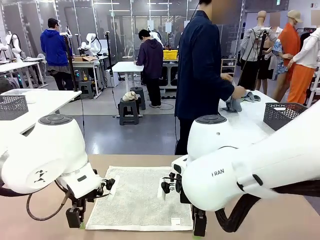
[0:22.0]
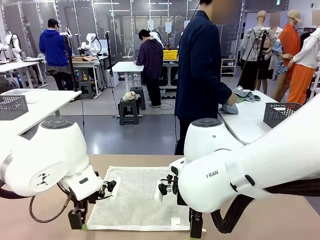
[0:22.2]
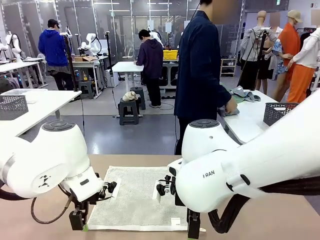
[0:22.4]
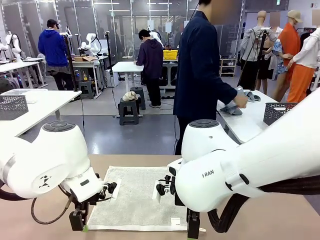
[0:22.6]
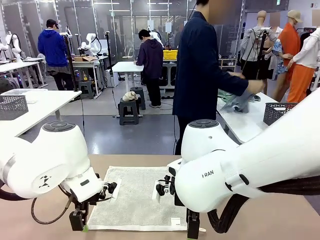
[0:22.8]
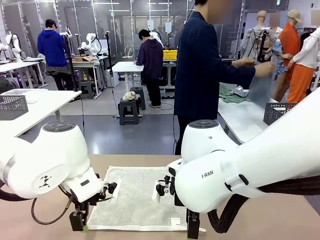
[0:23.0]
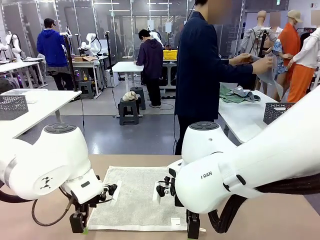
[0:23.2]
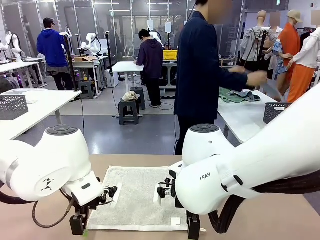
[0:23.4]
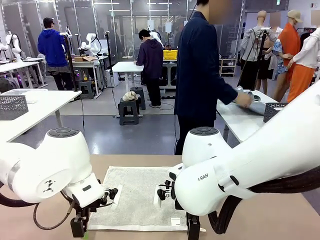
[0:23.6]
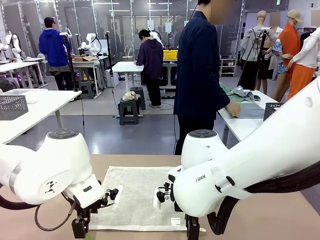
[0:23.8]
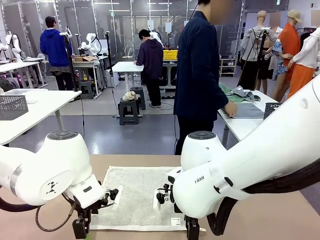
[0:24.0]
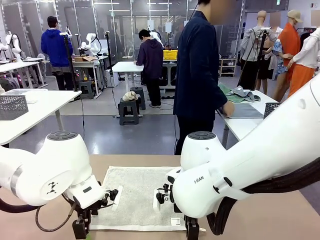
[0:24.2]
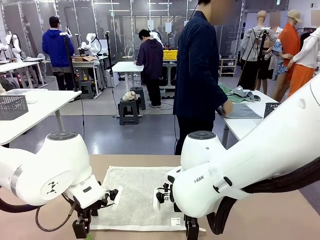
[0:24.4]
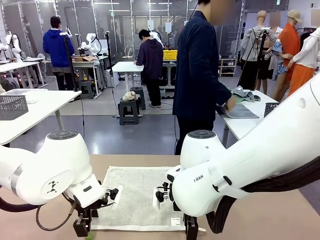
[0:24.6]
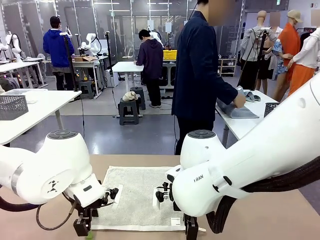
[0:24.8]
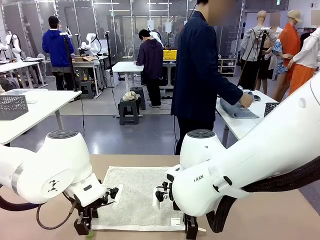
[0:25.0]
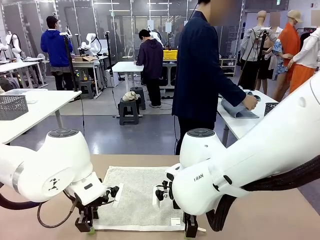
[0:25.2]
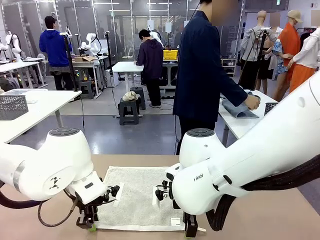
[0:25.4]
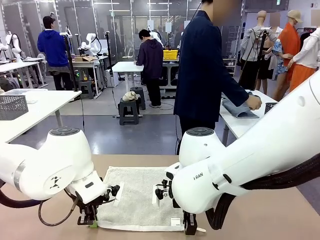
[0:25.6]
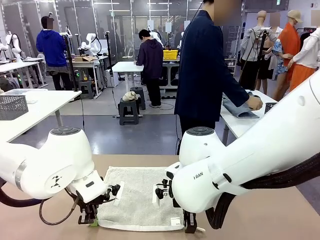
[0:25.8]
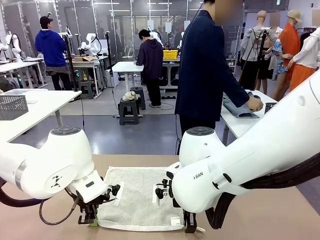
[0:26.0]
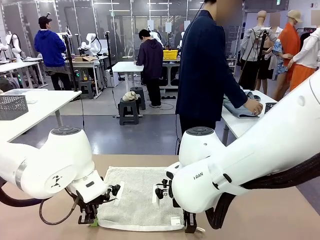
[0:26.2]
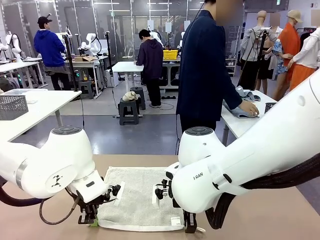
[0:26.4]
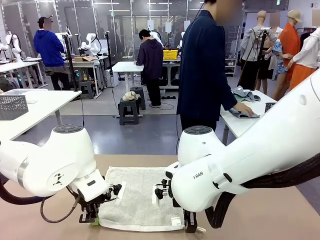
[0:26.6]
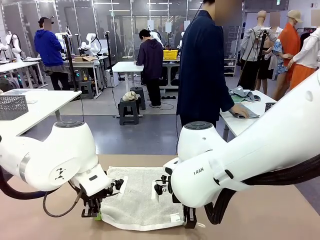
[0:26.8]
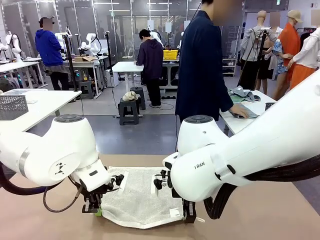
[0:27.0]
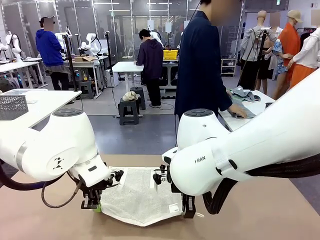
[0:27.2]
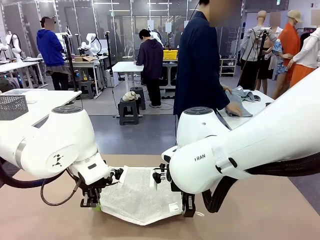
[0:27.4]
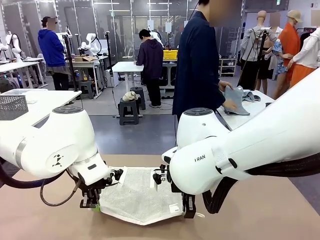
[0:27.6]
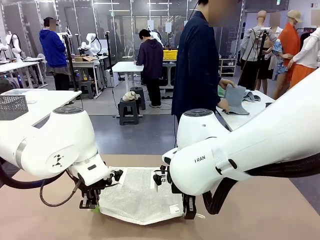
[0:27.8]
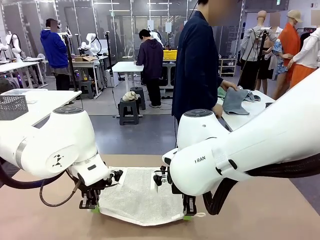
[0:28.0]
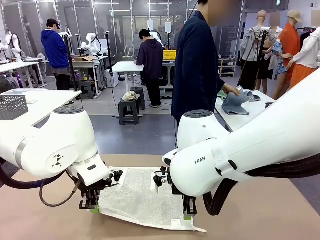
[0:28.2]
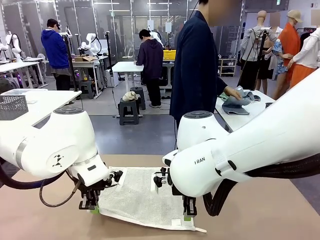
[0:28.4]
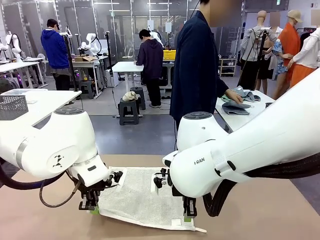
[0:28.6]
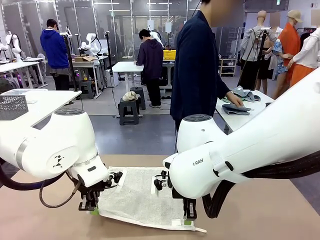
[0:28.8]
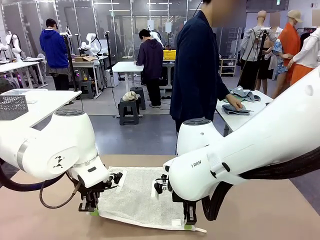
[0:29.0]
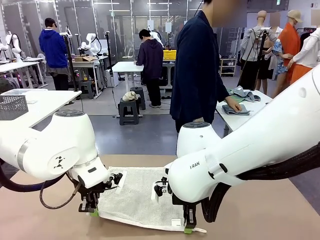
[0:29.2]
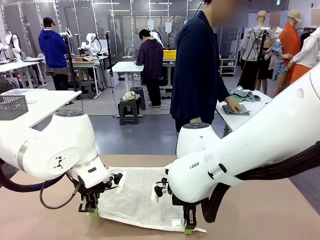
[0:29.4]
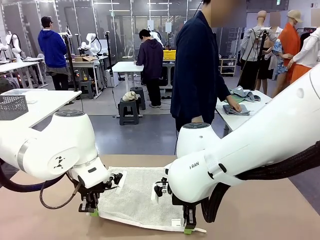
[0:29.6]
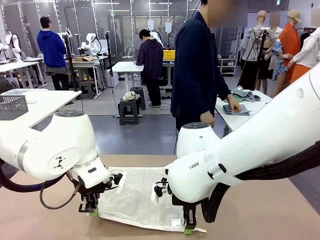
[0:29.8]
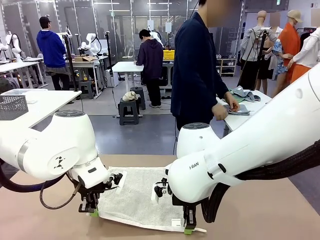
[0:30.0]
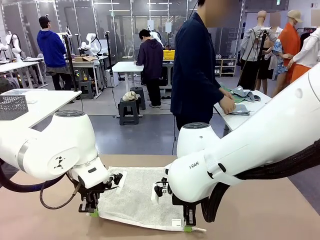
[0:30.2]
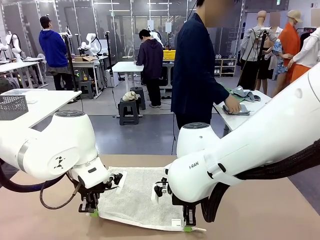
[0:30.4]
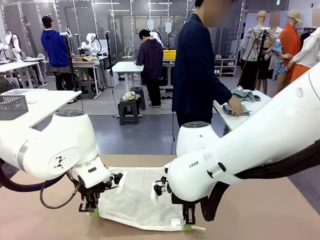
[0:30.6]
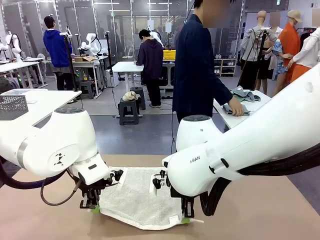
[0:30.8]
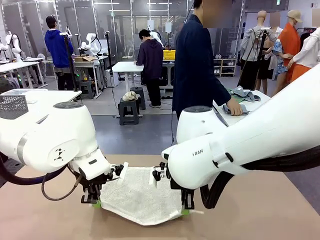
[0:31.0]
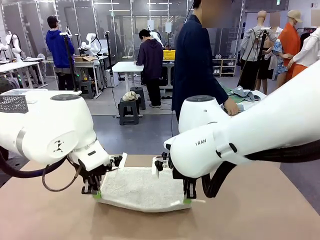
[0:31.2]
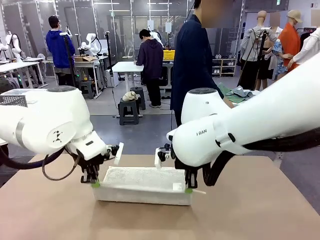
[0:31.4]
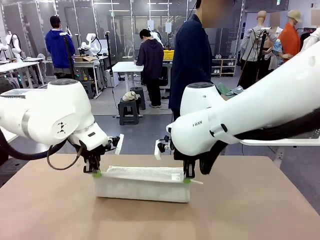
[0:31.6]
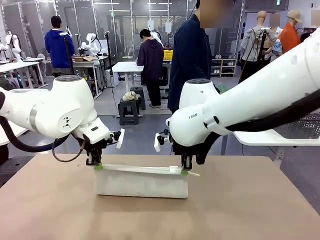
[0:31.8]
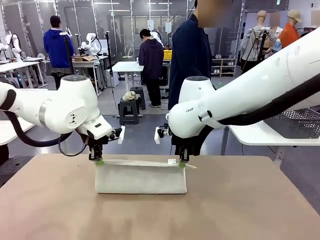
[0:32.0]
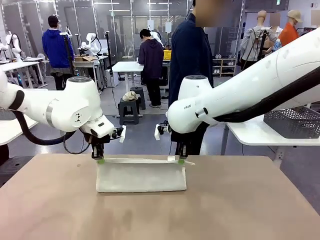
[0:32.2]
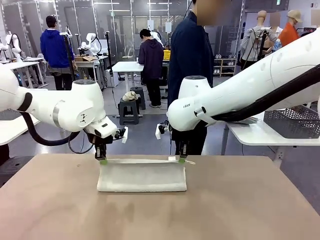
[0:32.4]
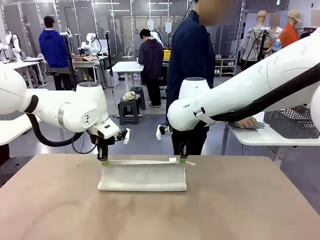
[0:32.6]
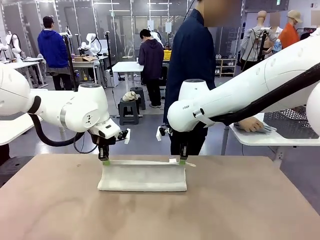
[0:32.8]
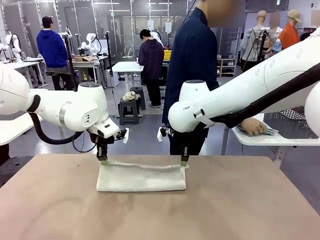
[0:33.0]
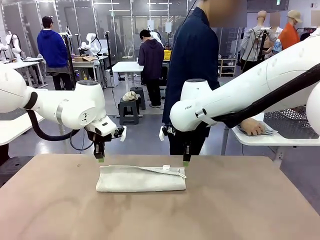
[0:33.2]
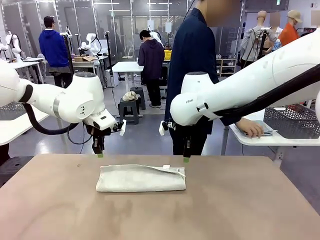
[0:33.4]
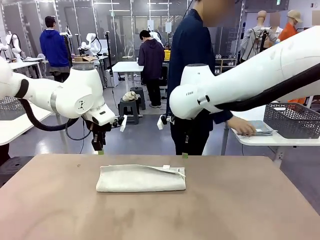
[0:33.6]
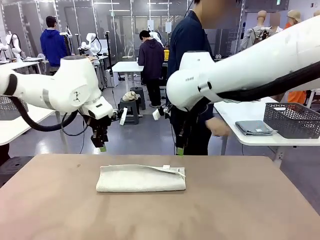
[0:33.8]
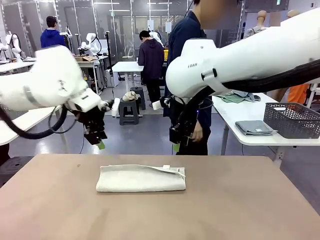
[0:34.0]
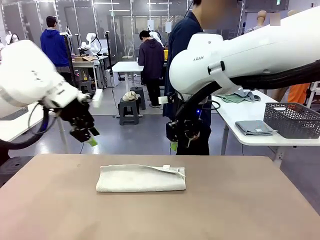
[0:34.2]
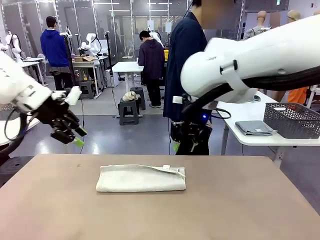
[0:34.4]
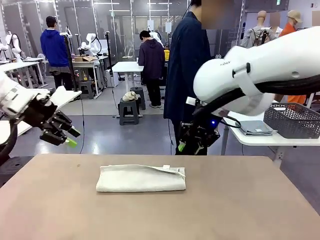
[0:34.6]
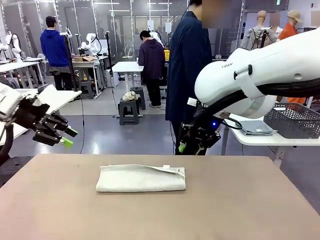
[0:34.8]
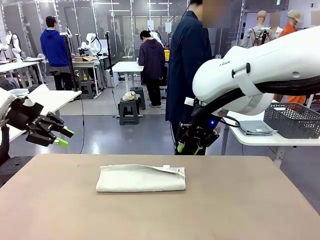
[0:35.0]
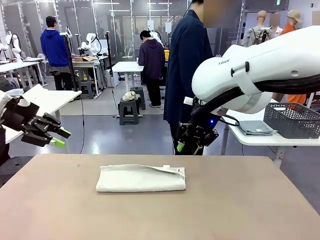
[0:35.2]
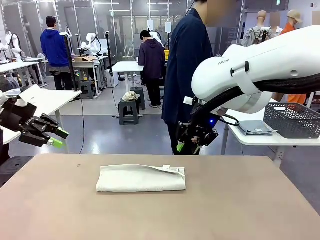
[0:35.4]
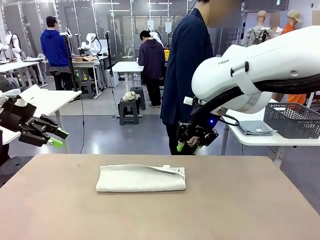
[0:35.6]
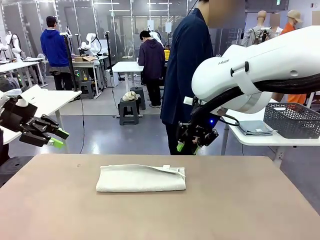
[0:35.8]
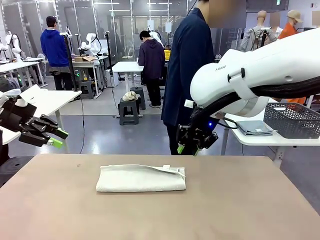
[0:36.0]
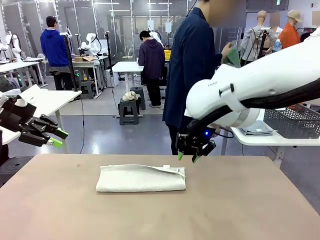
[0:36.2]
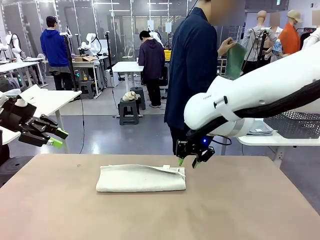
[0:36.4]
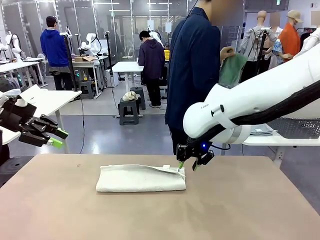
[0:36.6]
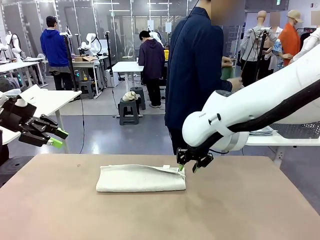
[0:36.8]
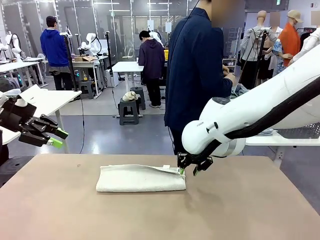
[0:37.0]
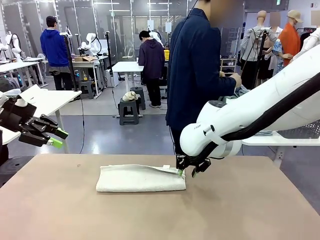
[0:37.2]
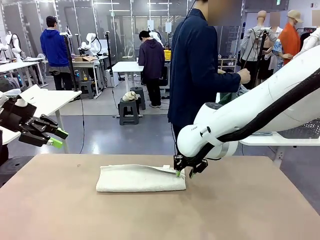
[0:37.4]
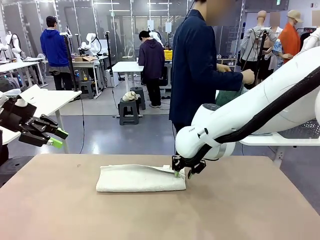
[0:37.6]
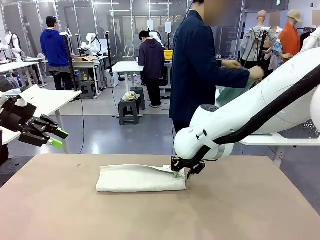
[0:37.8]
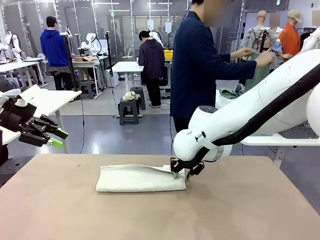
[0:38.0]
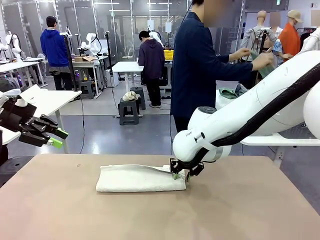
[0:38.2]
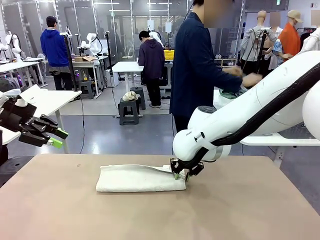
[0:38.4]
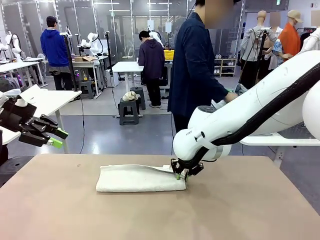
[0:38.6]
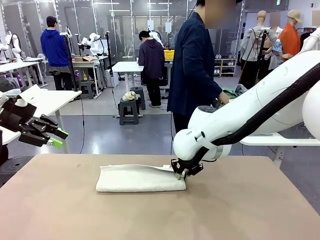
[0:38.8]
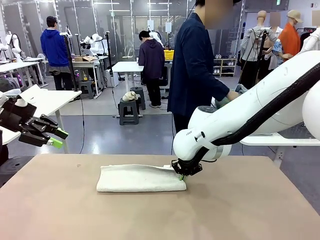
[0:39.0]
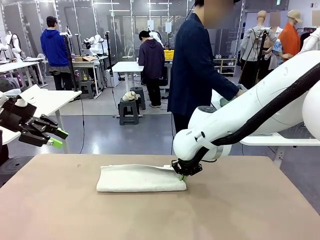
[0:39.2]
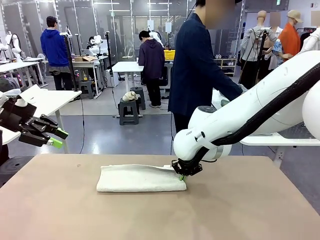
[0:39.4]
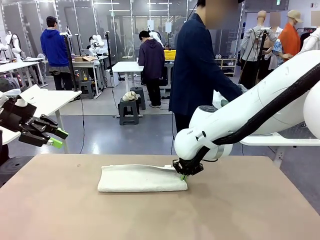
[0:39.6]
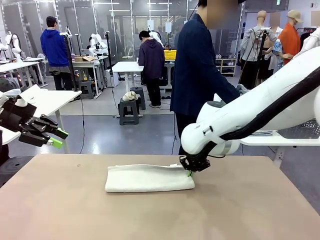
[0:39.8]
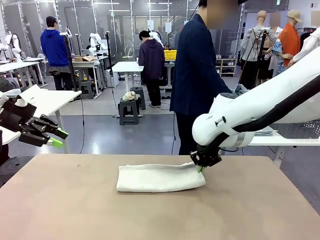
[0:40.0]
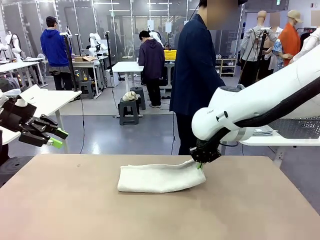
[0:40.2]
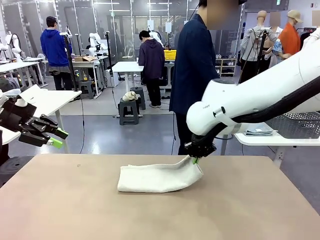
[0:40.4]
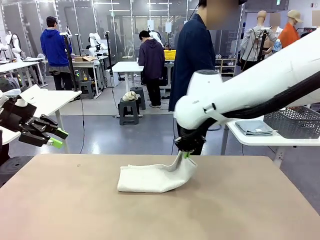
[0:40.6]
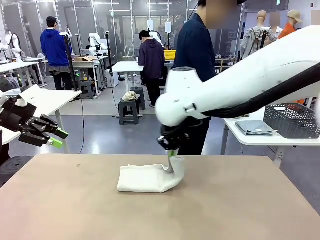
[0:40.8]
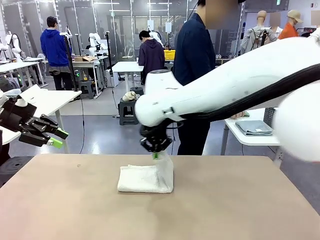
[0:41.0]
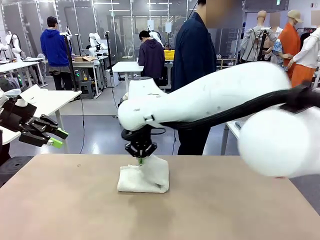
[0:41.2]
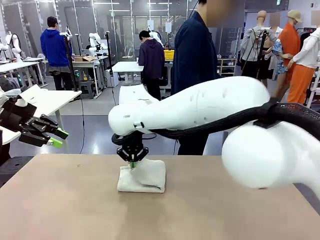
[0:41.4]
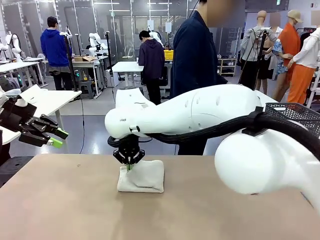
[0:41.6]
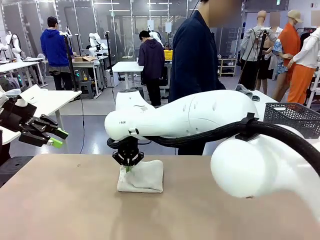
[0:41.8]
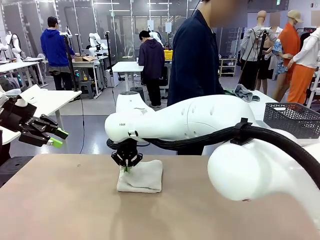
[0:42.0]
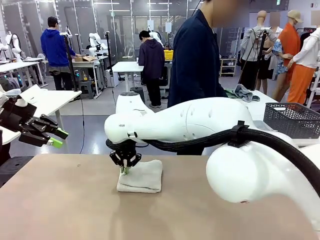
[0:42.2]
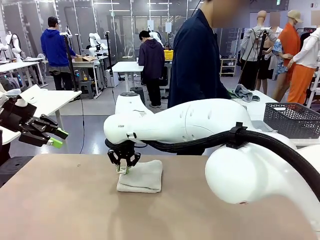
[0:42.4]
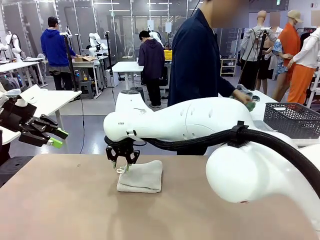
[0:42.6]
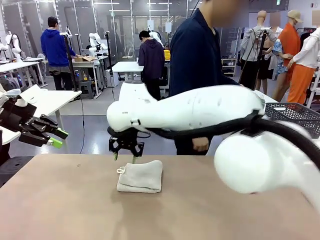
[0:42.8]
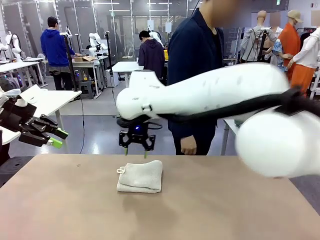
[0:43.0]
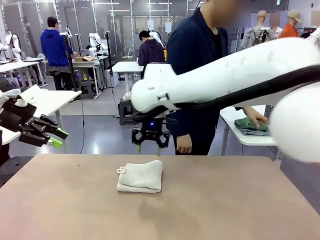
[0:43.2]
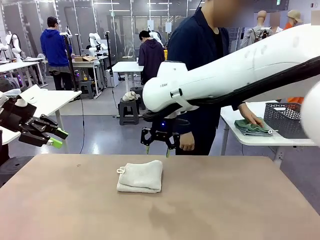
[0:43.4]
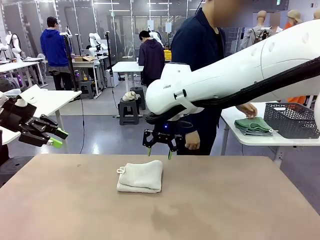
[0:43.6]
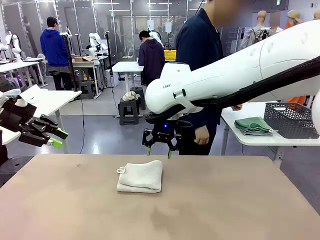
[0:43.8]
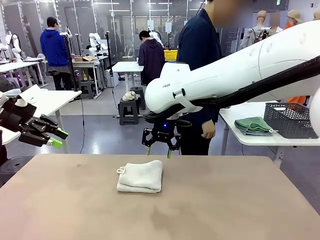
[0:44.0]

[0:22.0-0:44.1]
Task: Fold the towels and place them in the basket.
Robot: When a person lays out a Towel with hook on the table, fold it in half twice.
Person: Pick up one towel from the left side of the human table, fold it in half twice, and place it on the right side of the table. Pick up one towel from the left side of the human table, fold it in half twice, and stack it on the right side of the table.
